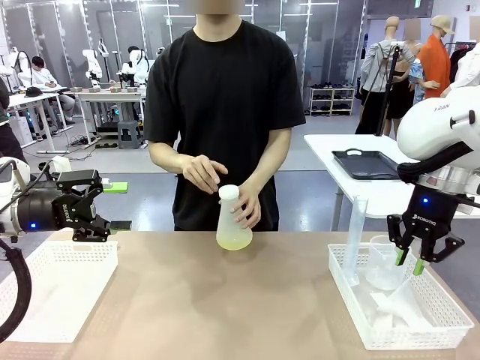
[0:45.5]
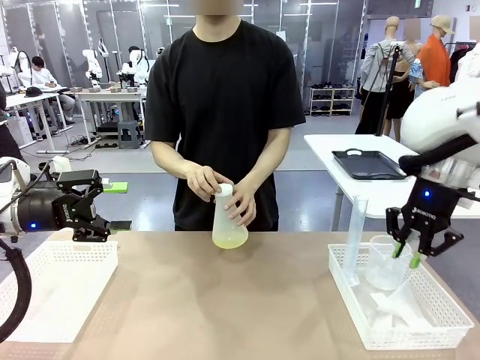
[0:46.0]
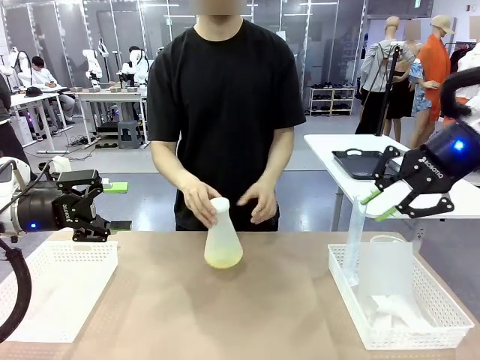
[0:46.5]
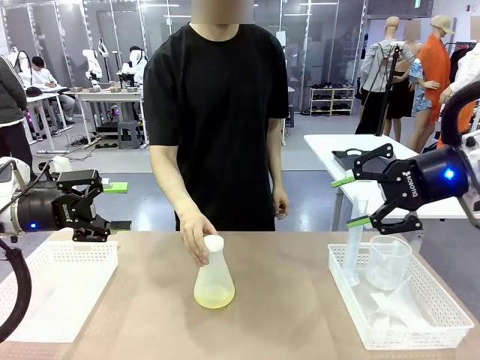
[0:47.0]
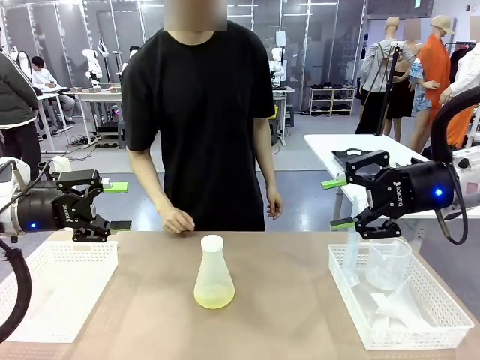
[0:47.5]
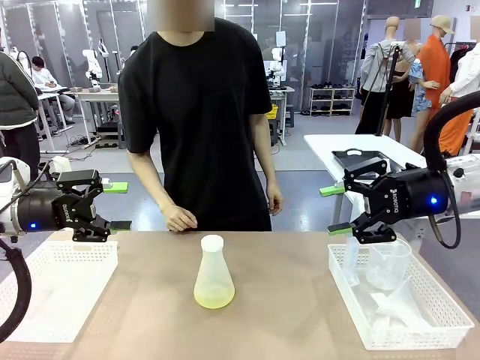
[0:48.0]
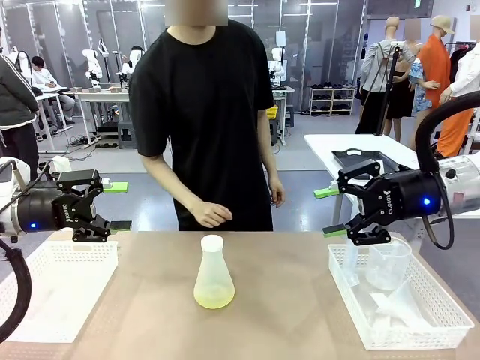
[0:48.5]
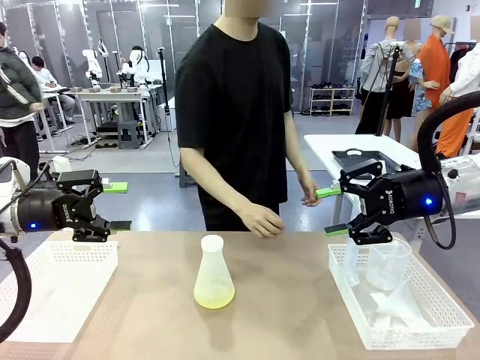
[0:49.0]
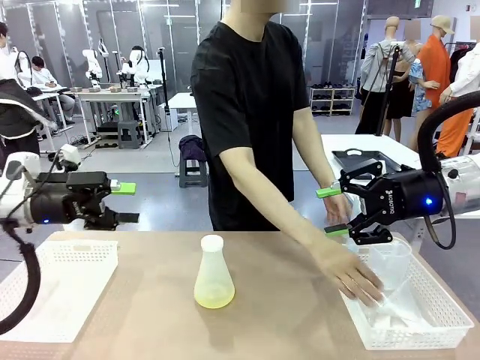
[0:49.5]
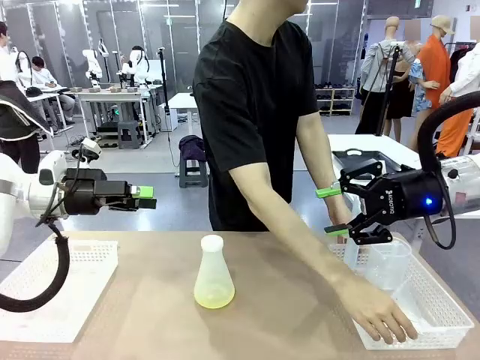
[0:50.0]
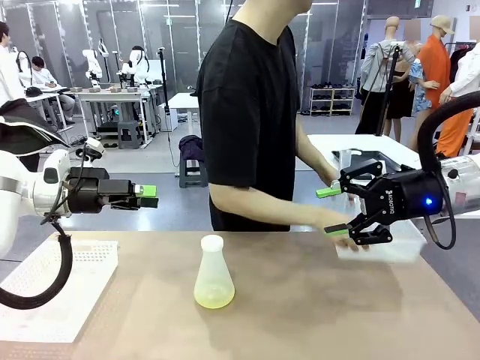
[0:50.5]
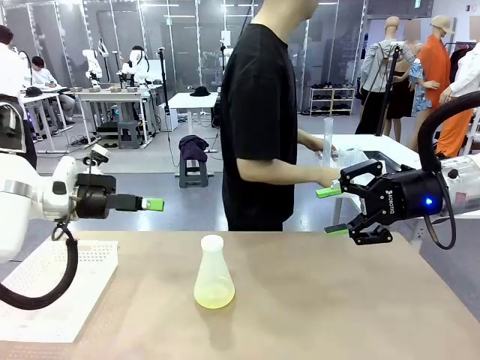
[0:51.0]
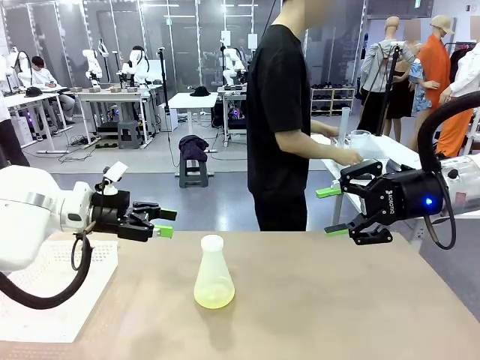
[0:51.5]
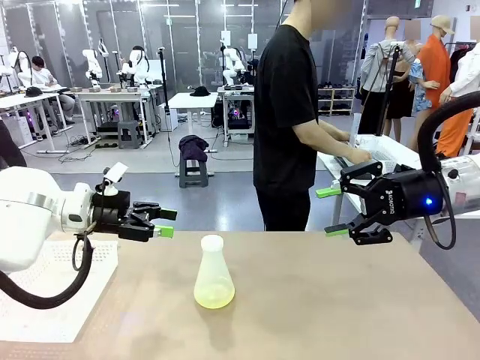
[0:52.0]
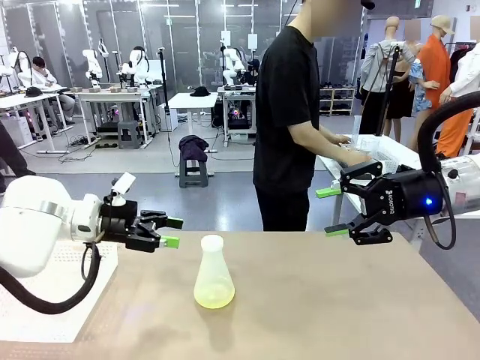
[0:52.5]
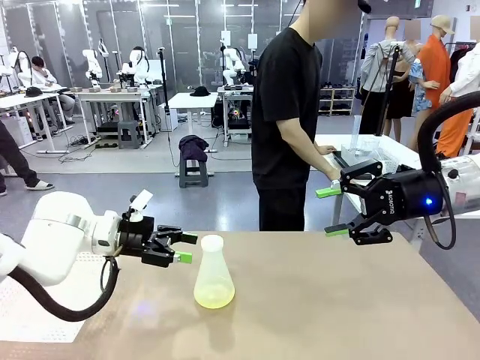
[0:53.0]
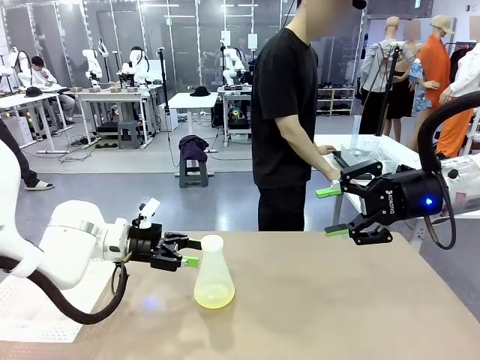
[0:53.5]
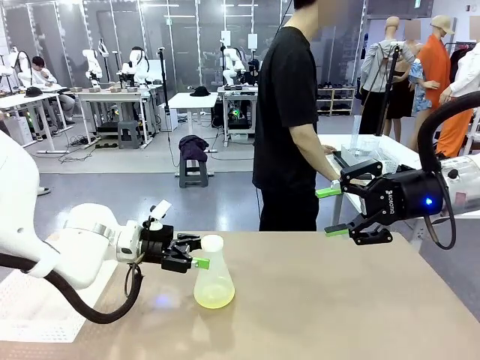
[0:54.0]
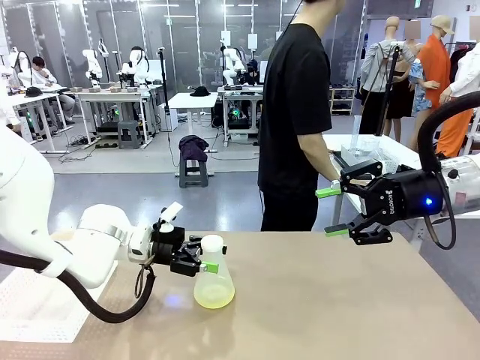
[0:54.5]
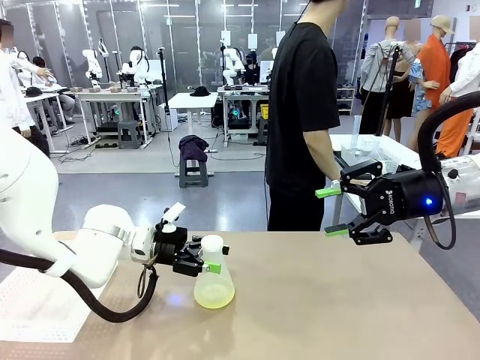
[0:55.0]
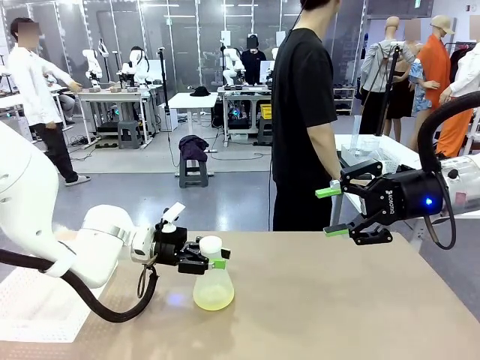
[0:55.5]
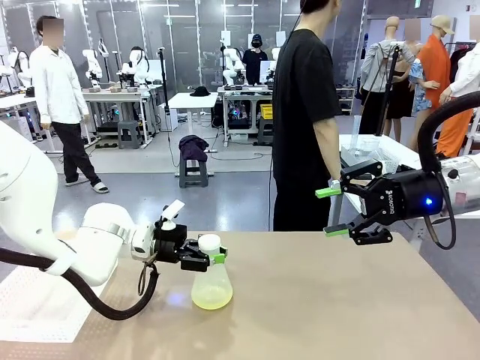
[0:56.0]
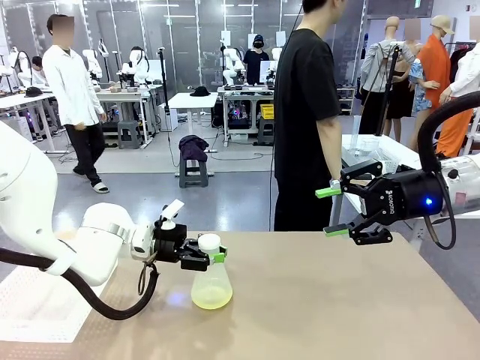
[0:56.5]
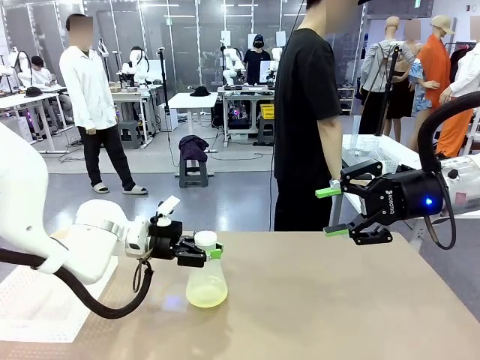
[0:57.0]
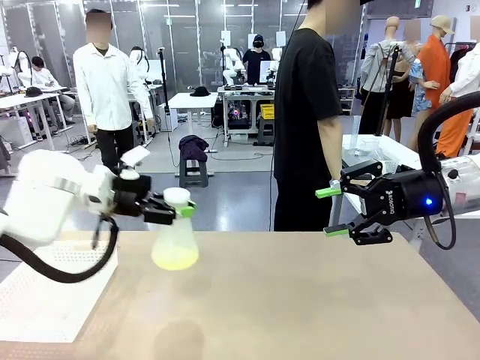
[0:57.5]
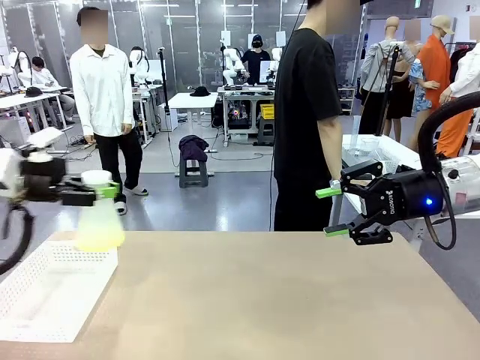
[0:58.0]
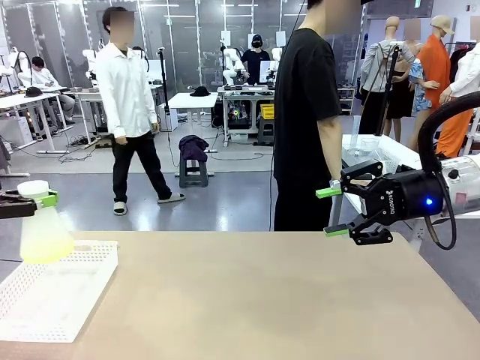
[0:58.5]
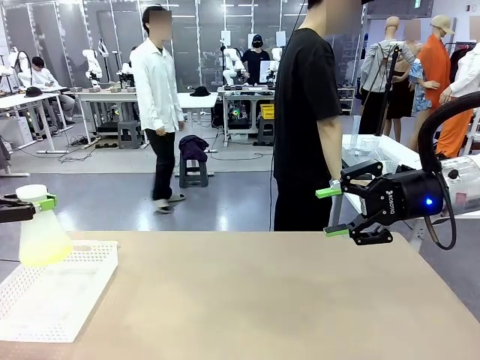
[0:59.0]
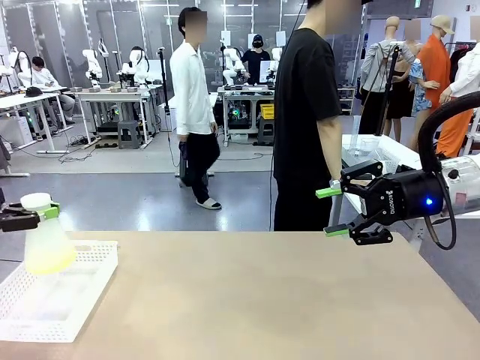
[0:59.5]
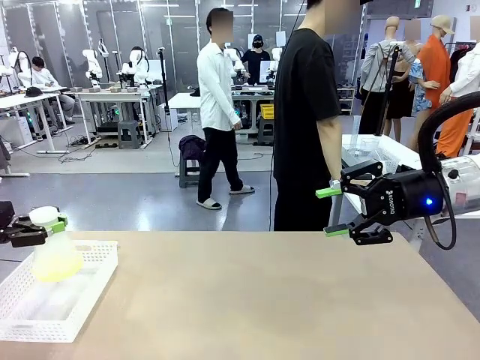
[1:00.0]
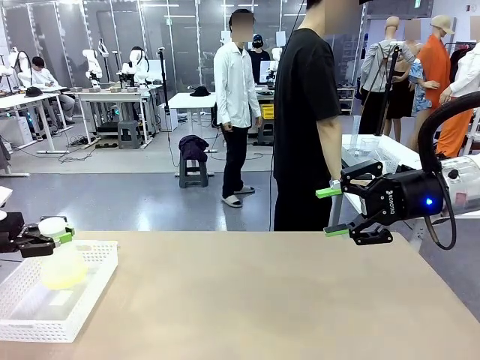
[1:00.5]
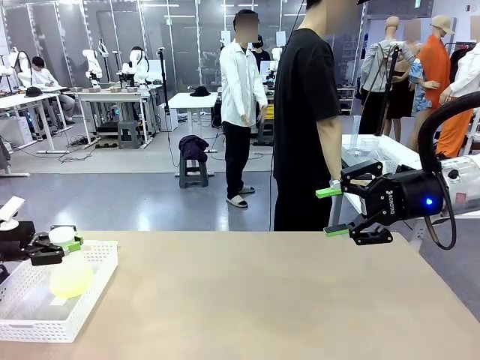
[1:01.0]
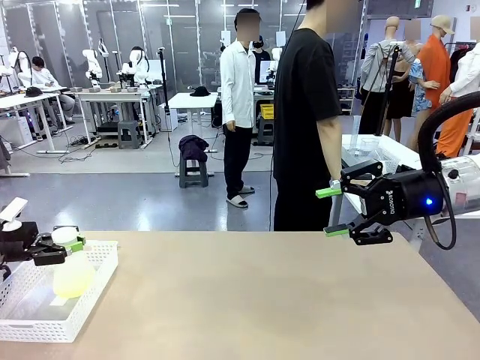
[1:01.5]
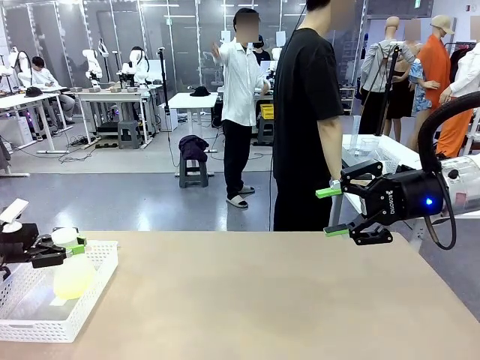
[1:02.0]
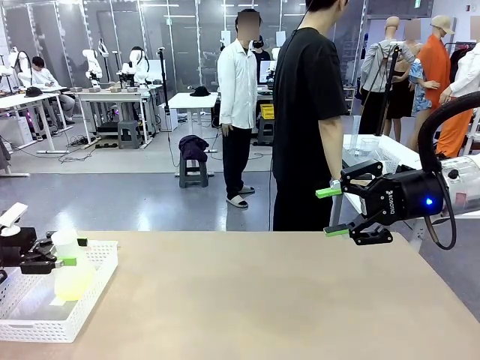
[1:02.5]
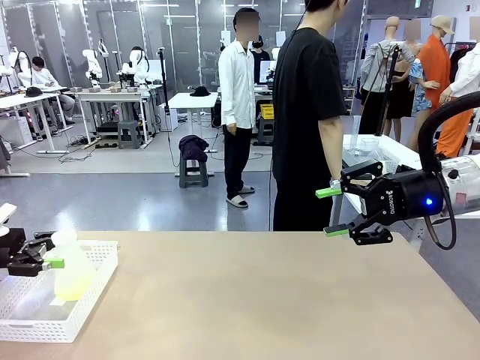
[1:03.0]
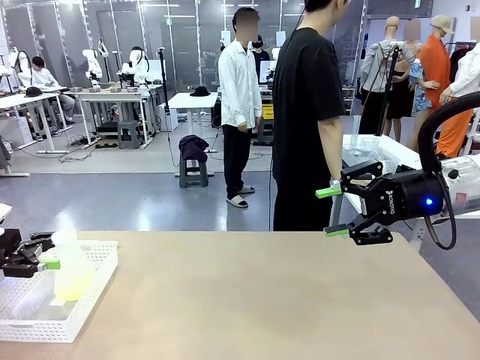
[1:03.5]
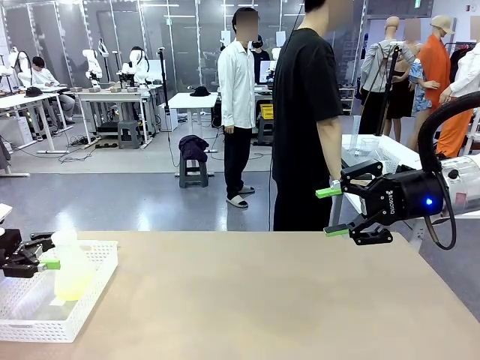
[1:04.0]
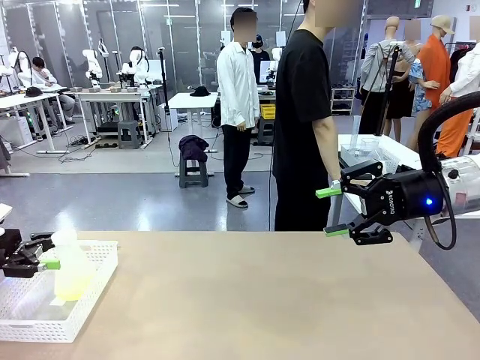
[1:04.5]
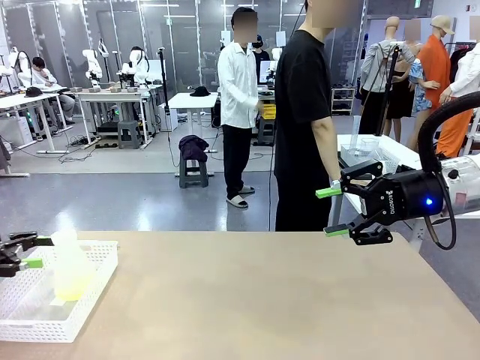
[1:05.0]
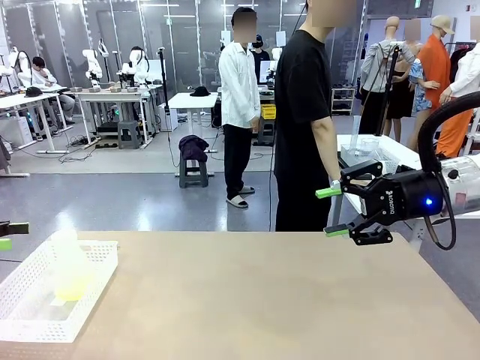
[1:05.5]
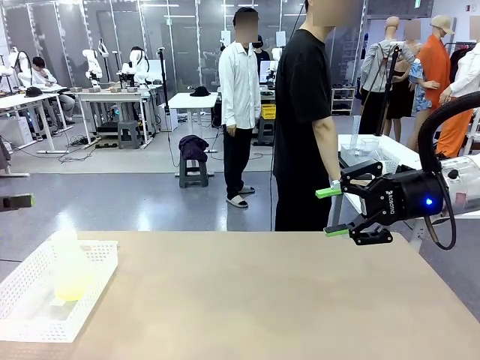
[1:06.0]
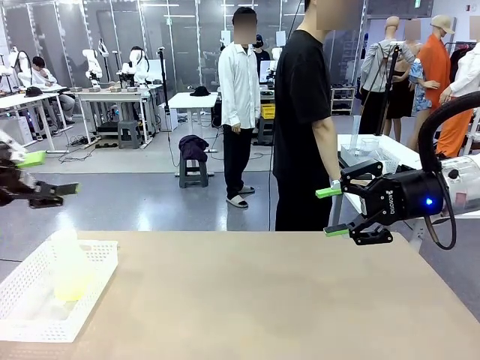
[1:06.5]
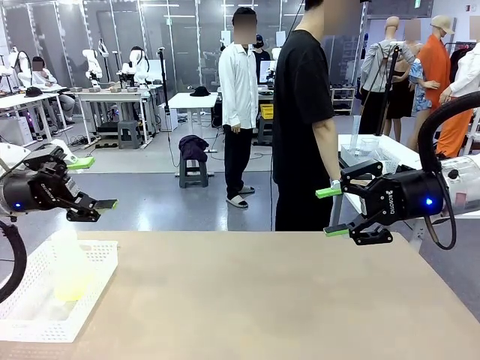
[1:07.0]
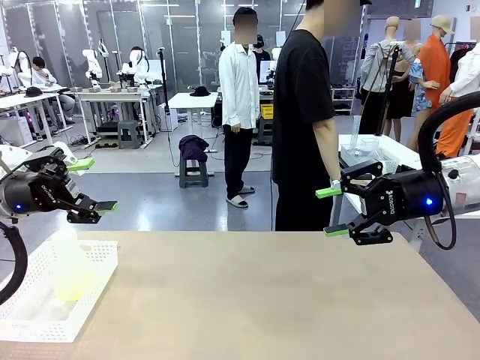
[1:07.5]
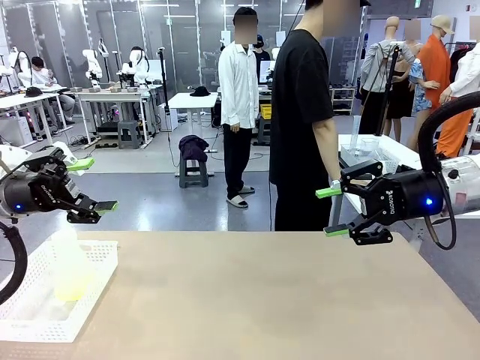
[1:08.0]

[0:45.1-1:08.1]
Task: Prepare the solutions needed for the experiment.
Robot: When the human places the Big flask in the center of the table, pick up the Big flask and place it in the left Organizing basket.
Person: Pick up the organizing basket on the left side of the robot table and place it on the left side of the human table.

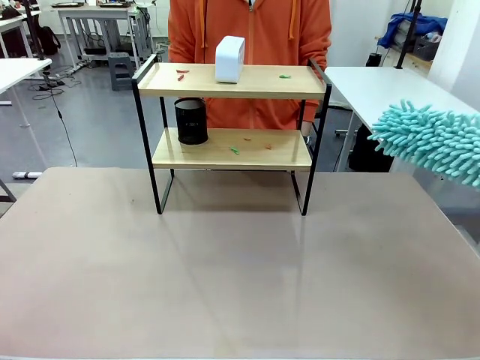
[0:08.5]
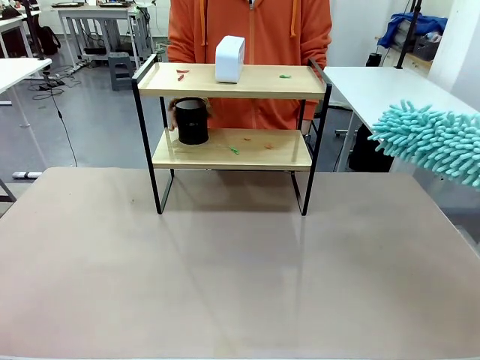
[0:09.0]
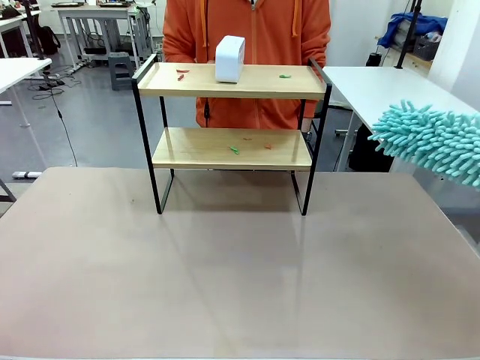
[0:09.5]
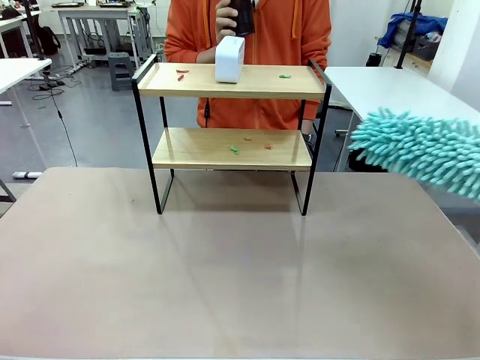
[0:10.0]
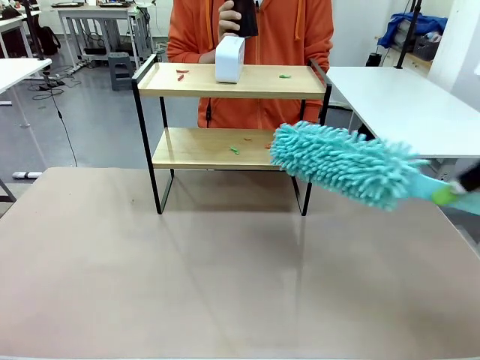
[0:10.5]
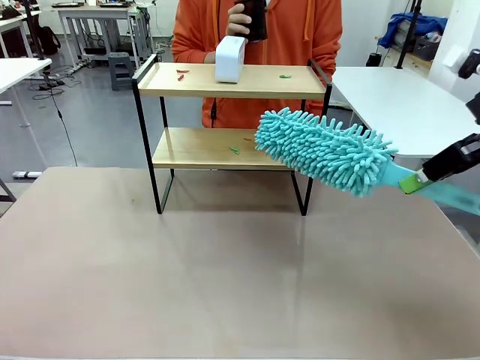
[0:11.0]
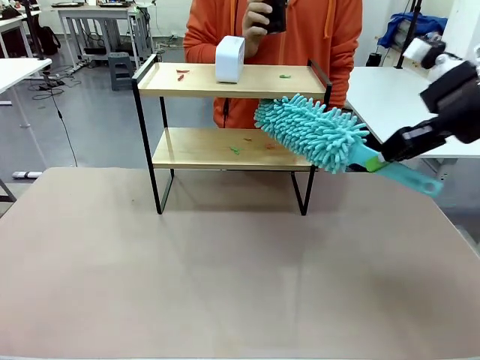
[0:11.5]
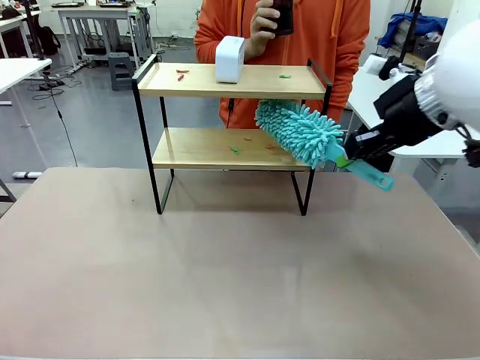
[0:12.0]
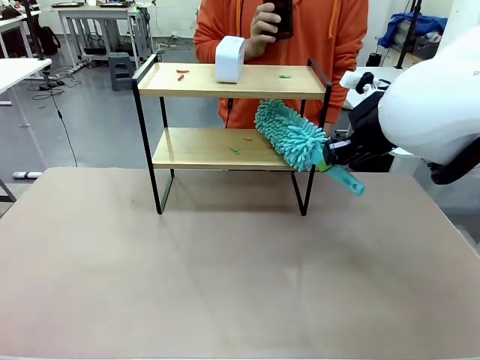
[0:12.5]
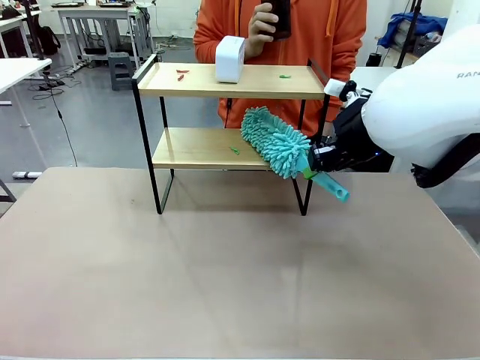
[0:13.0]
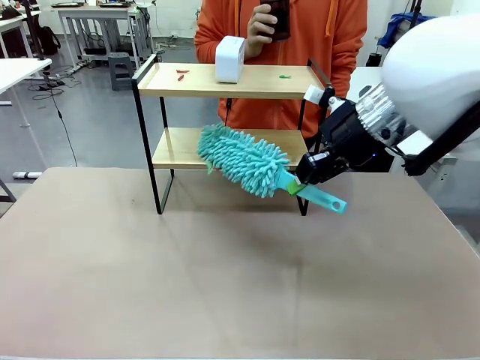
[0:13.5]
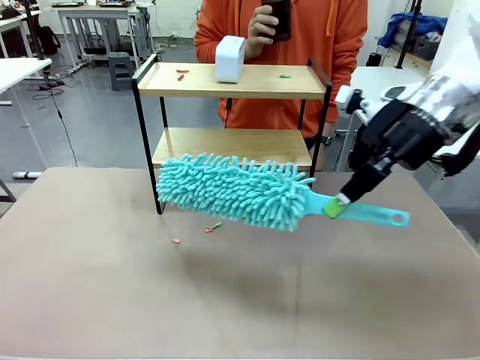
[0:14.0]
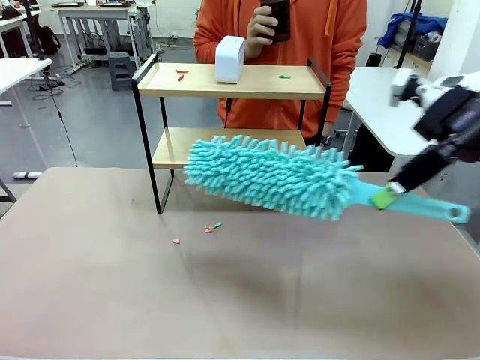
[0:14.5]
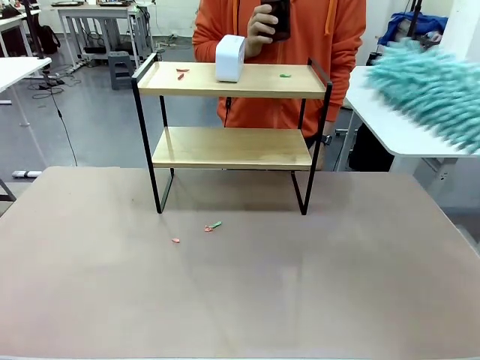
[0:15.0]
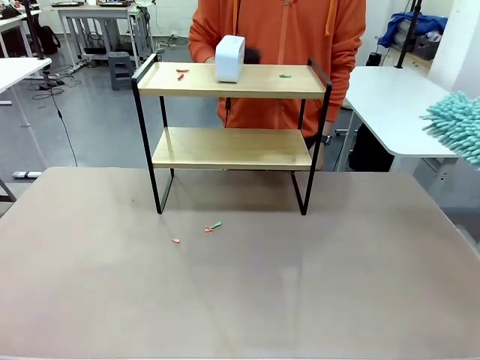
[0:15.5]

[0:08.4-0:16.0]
Task: Clean the shelf.
Robot: Clean the specific tier of the Shelf with the Duster once objects are removed.
Person: Lift the objects on a randomly selected tier of the Shelf. Once the robot finishes cleaning, lift the objects on the remaining tiers of the Shelf.
